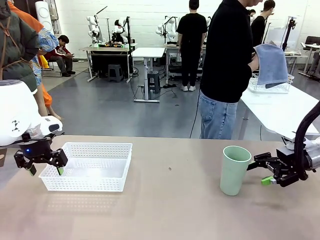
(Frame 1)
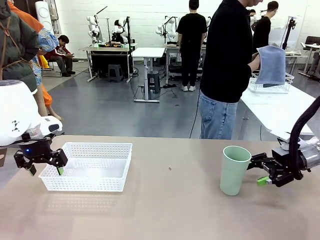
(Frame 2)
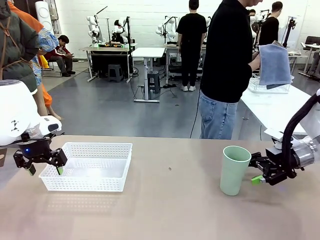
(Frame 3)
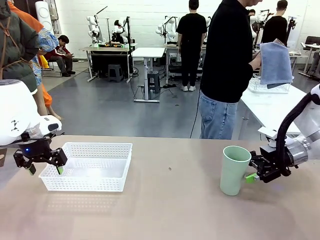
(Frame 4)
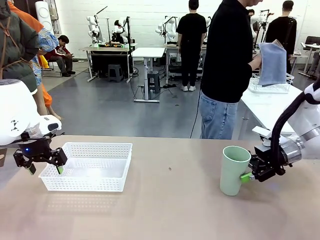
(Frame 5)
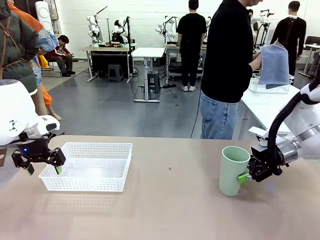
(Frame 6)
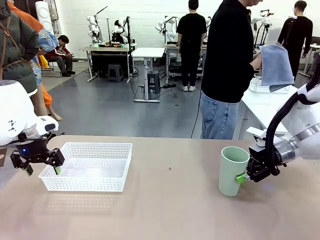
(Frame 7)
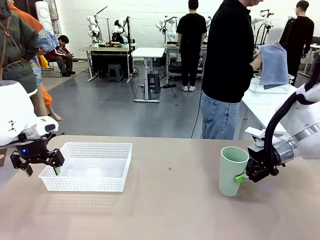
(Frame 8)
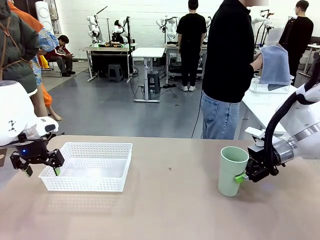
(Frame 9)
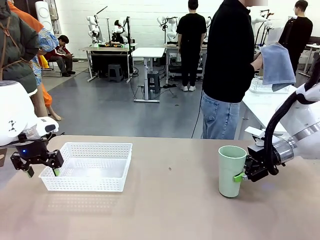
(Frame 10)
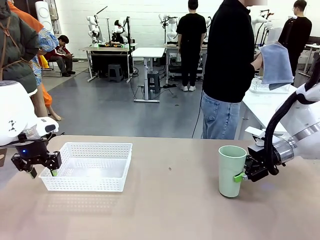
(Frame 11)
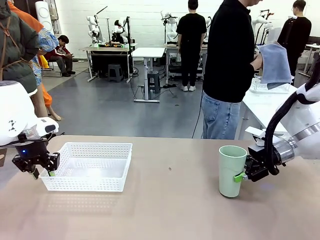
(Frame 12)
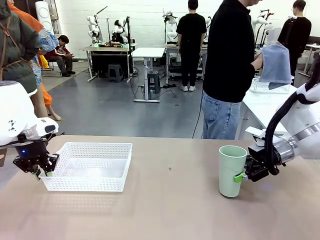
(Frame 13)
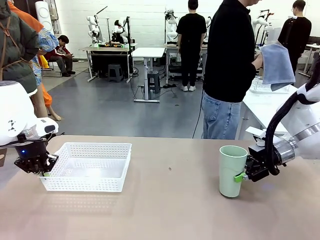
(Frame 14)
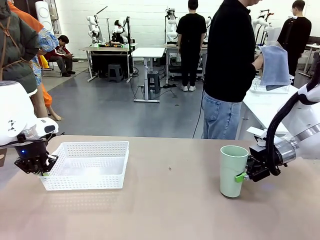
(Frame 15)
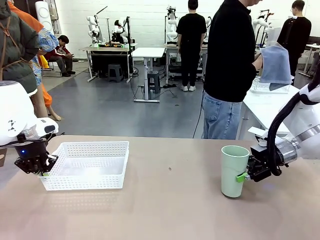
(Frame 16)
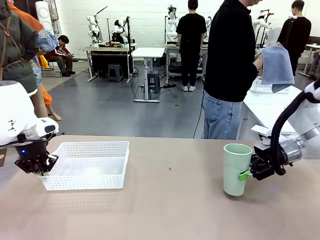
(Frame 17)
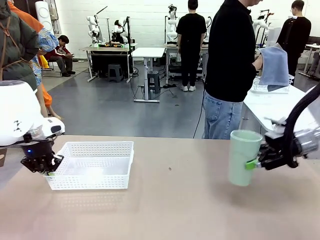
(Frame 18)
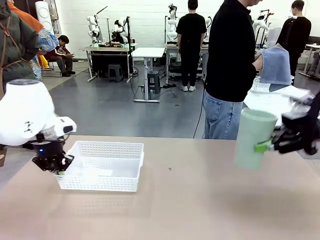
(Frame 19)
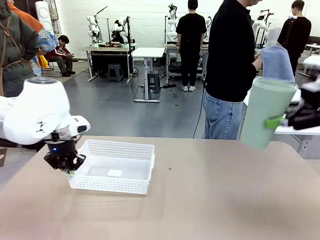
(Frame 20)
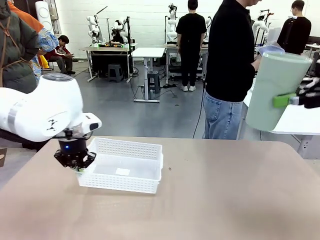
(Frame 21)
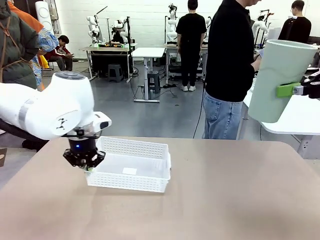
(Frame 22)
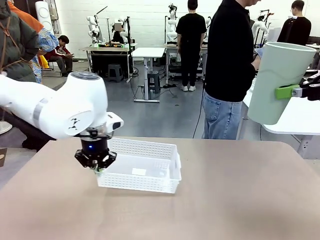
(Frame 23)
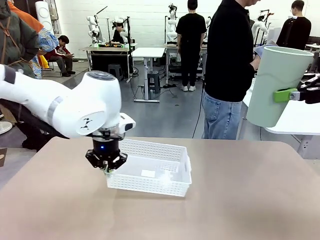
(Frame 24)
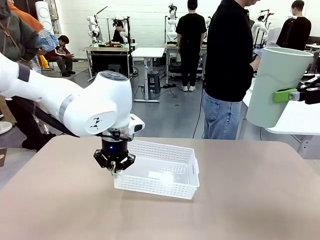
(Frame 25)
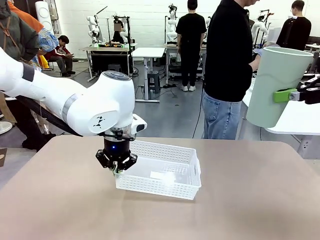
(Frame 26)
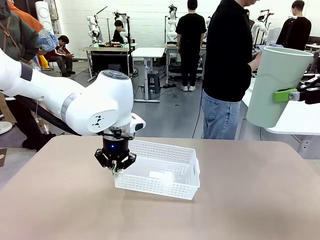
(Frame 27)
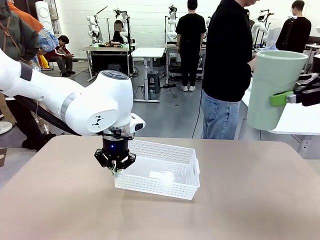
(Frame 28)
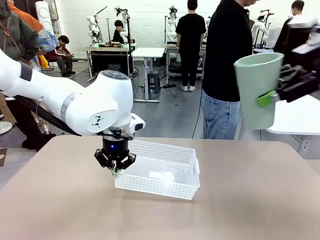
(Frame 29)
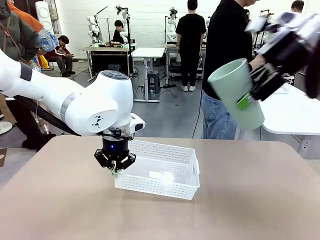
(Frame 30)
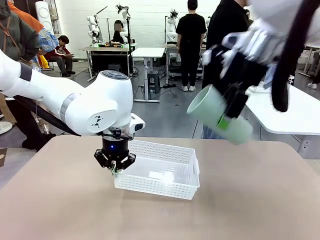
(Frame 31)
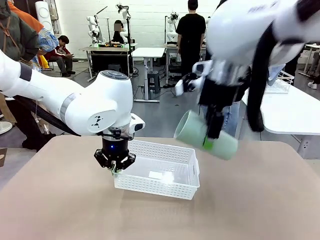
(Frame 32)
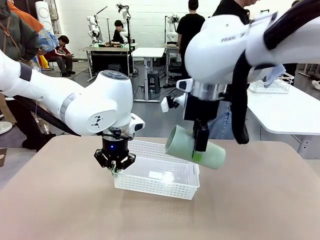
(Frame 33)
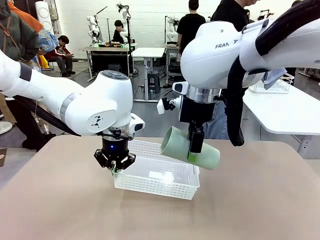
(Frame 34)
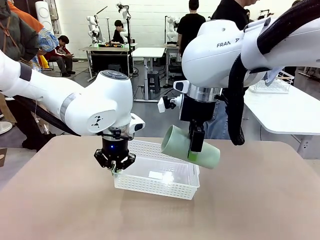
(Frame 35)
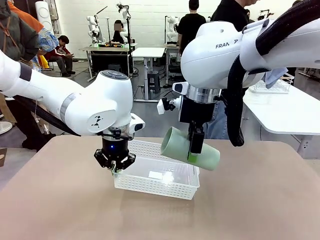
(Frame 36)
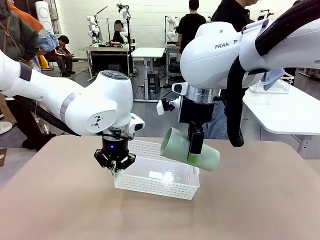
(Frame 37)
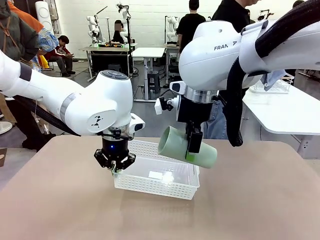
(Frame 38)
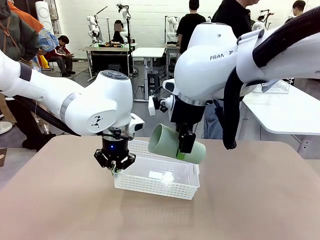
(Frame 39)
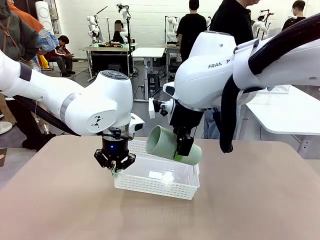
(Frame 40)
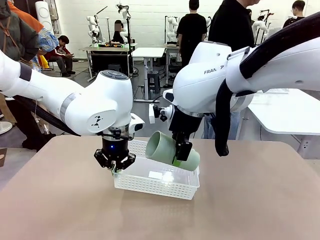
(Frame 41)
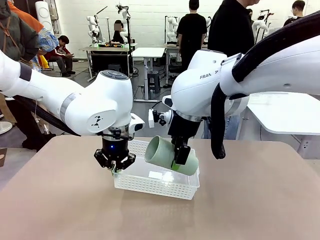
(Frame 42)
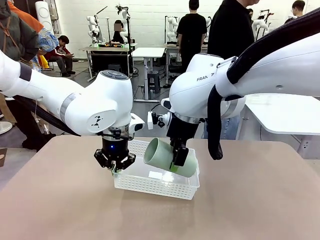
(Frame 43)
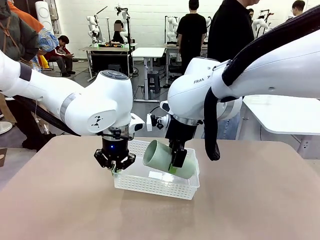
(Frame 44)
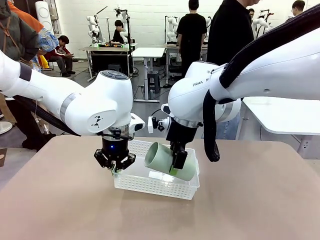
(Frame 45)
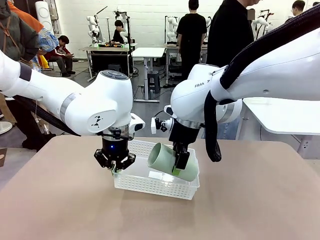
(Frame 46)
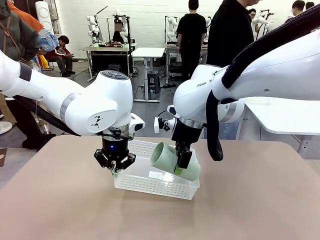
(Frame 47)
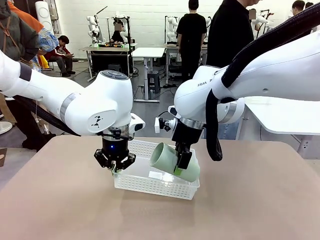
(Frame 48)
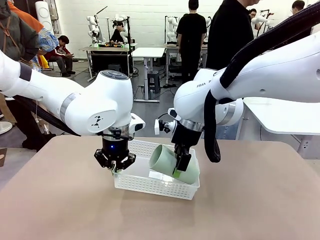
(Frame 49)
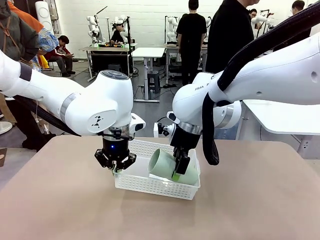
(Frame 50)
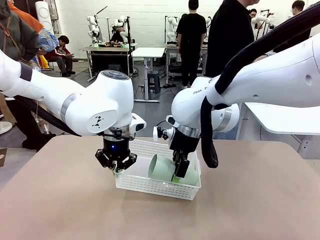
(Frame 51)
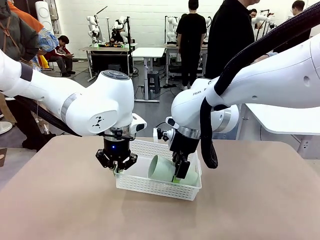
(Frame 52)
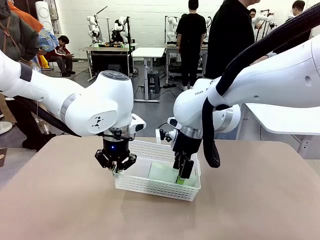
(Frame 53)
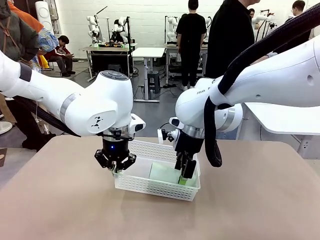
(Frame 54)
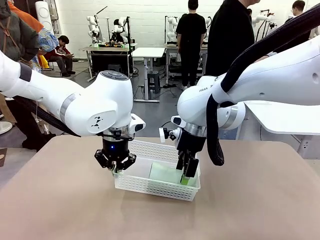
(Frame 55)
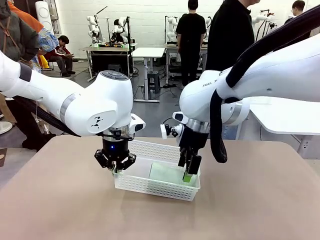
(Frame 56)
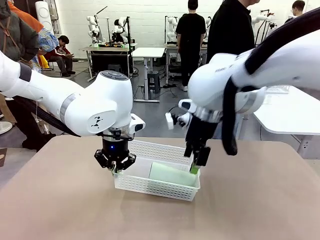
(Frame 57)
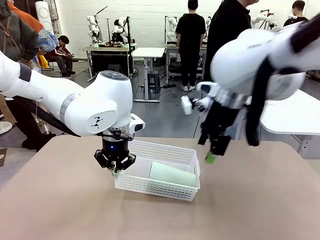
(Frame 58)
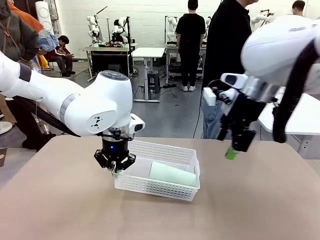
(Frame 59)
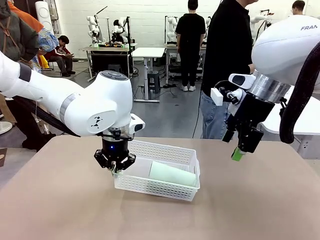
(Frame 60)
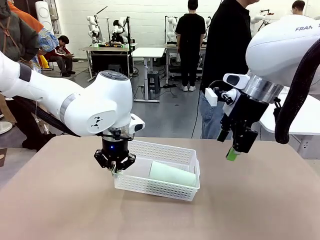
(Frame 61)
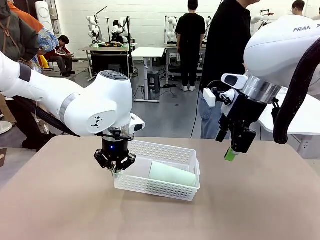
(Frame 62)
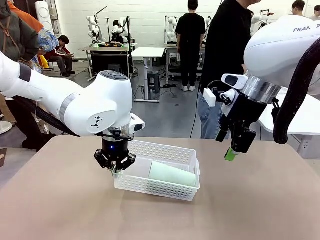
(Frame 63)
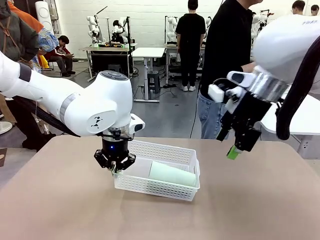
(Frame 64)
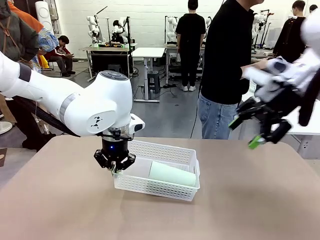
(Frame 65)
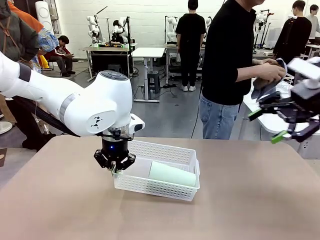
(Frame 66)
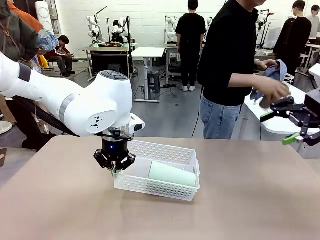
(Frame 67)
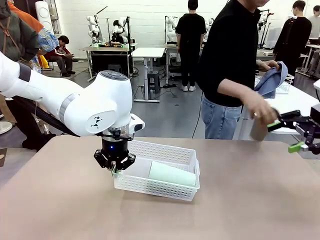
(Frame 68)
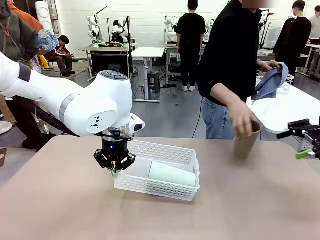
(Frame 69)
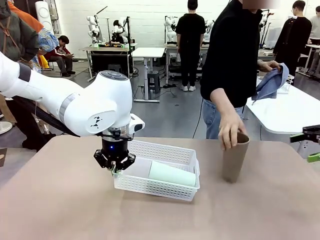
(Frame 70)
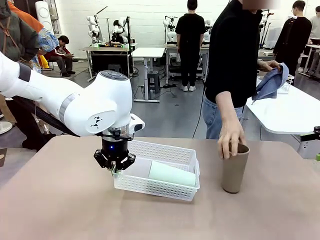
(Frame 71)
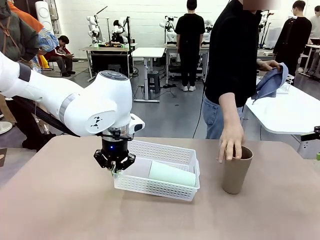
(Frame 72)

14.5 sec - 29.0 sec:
Task: Clean and organize the cups into the basket.
Robot: Pick up the Organizing basket and move it to the center of the table, then pick up the Reusable plastic cup from the right side of the table and place it inside the Organizing basket.
